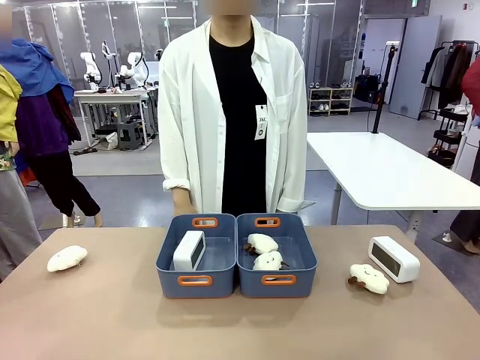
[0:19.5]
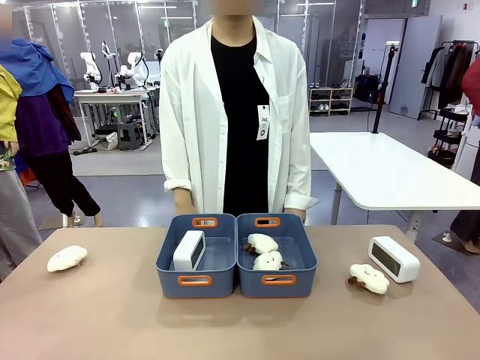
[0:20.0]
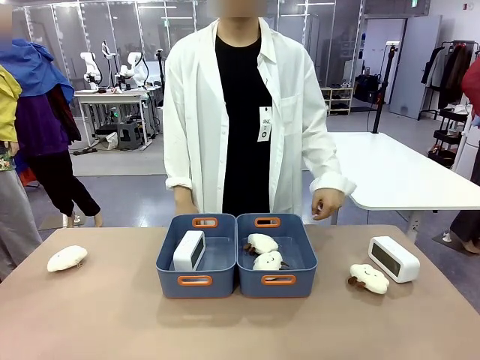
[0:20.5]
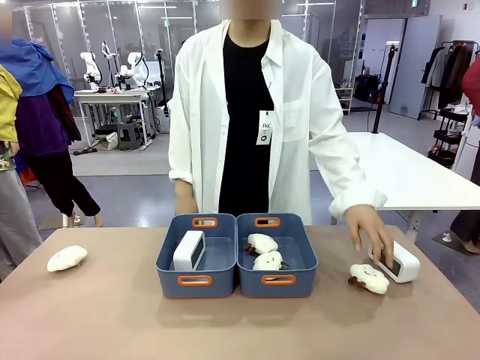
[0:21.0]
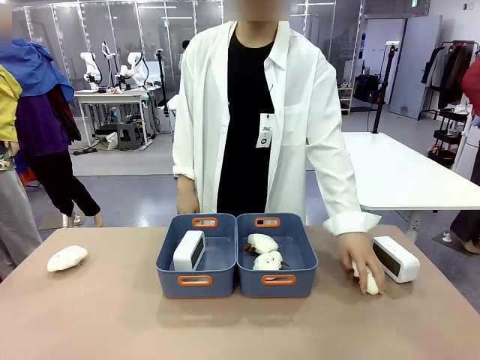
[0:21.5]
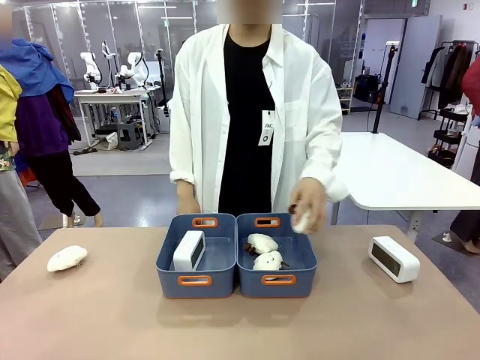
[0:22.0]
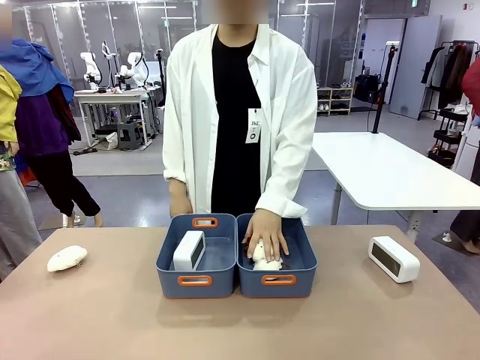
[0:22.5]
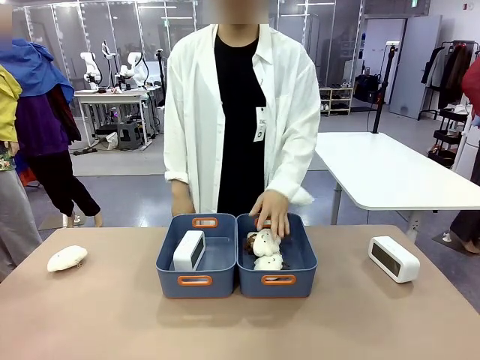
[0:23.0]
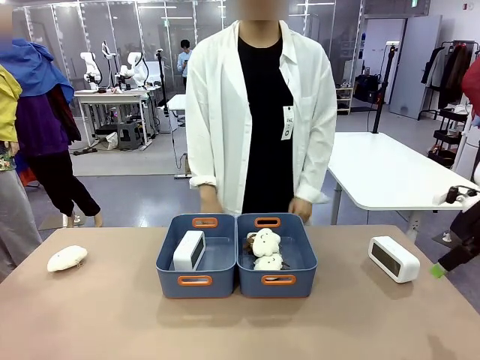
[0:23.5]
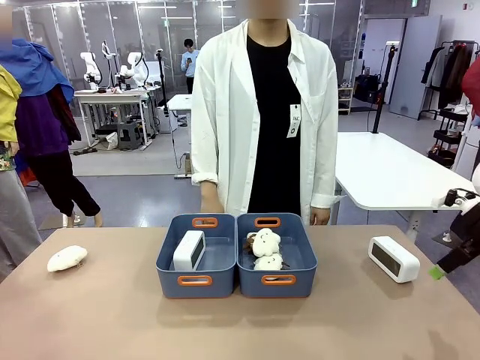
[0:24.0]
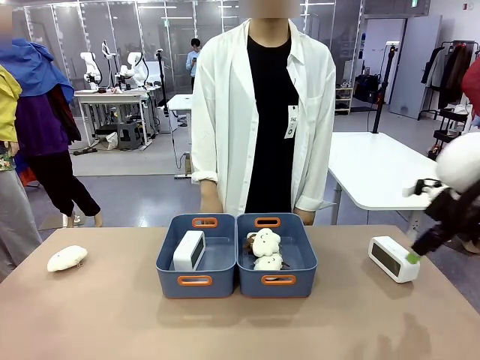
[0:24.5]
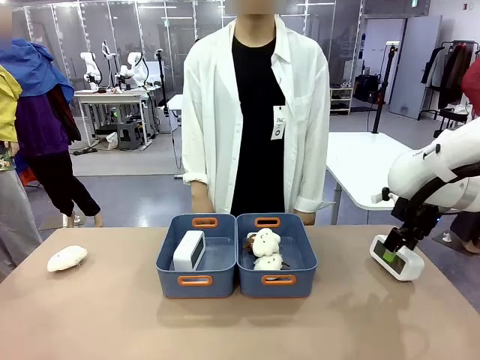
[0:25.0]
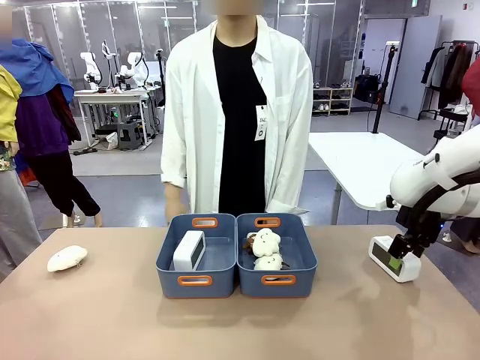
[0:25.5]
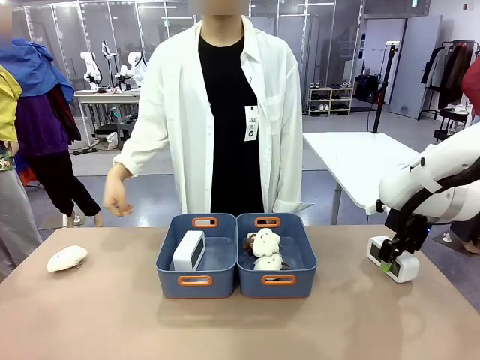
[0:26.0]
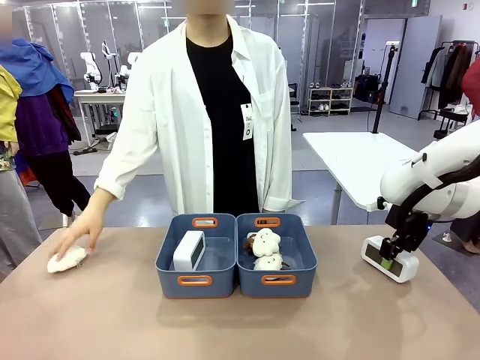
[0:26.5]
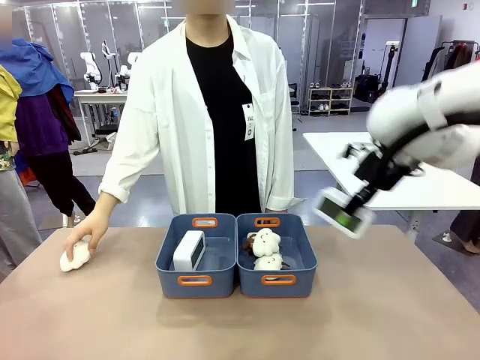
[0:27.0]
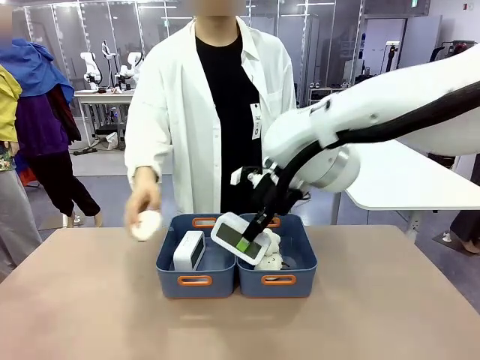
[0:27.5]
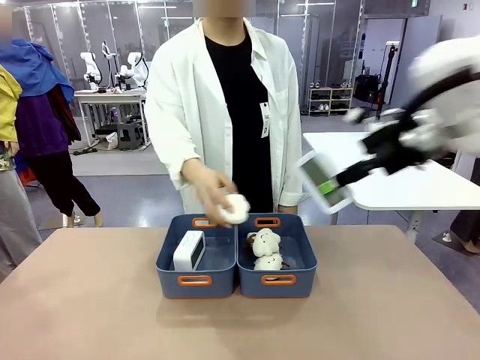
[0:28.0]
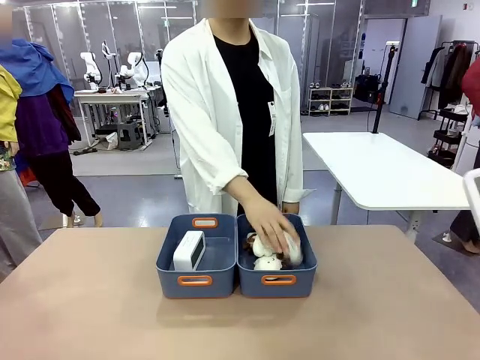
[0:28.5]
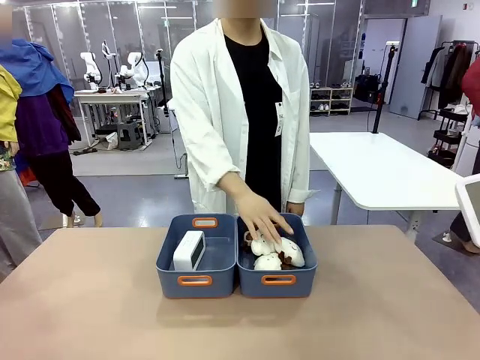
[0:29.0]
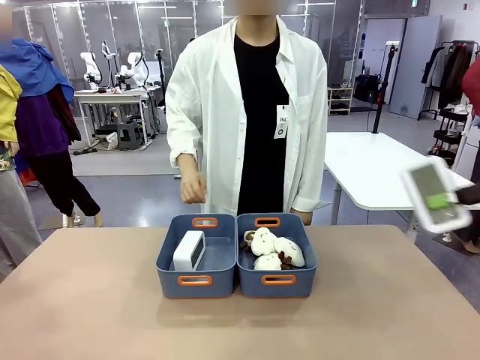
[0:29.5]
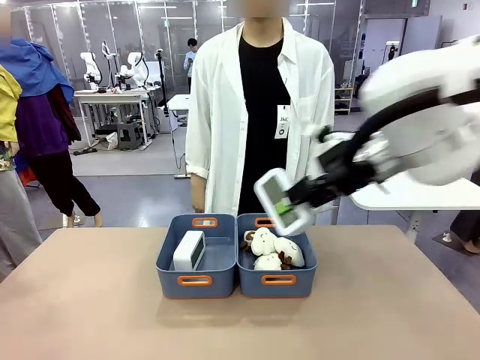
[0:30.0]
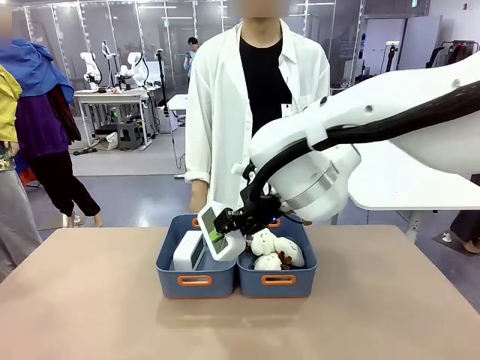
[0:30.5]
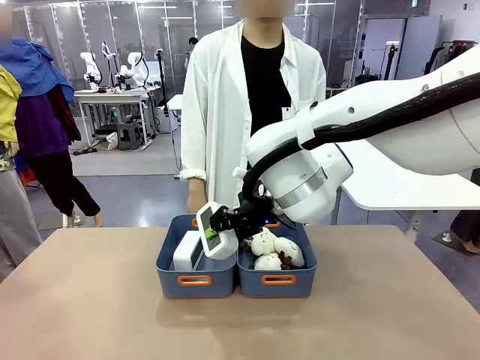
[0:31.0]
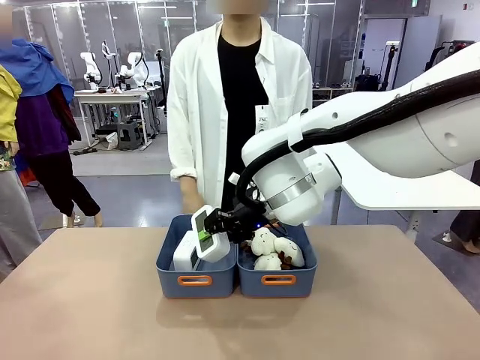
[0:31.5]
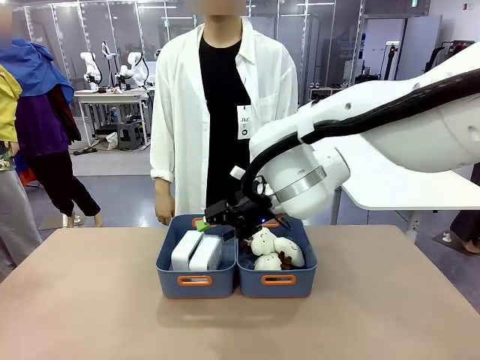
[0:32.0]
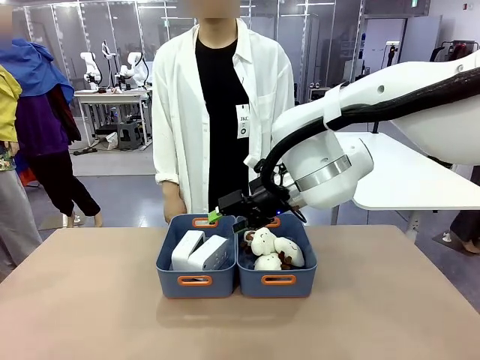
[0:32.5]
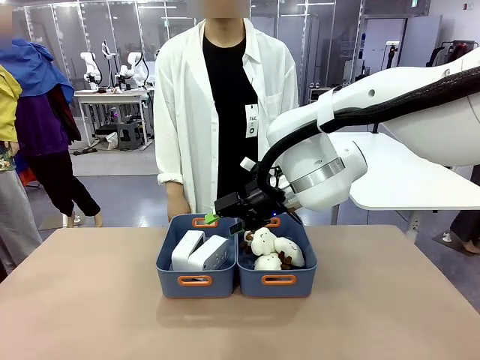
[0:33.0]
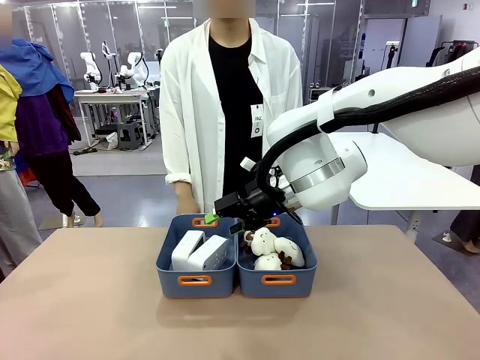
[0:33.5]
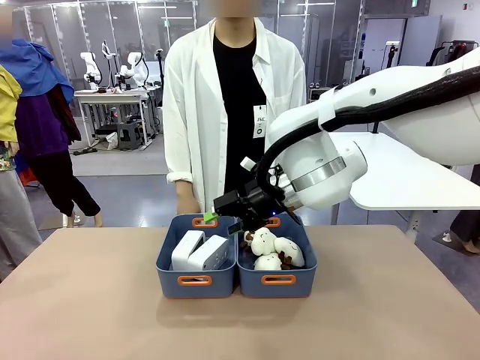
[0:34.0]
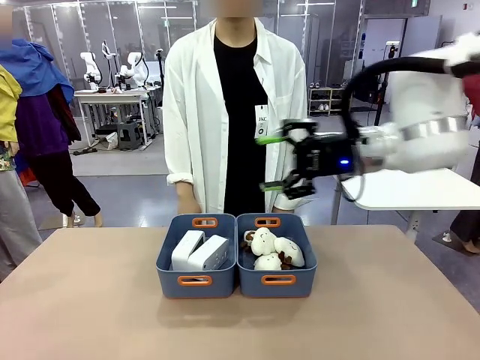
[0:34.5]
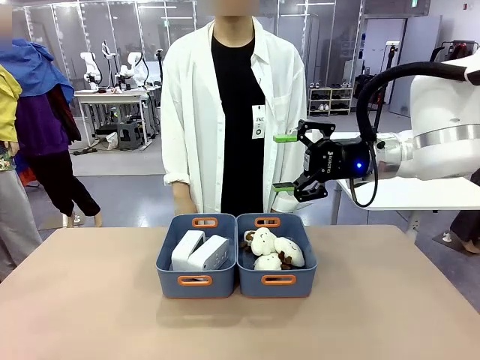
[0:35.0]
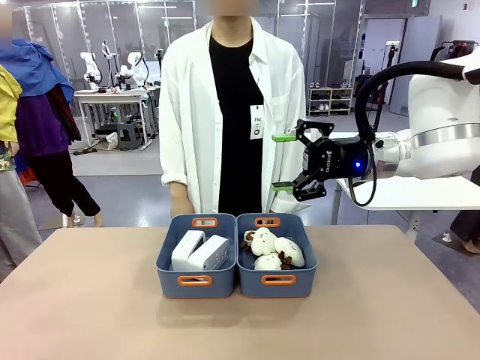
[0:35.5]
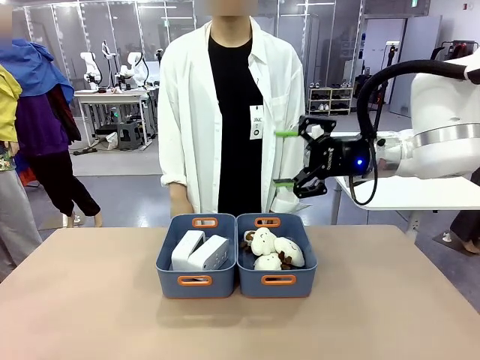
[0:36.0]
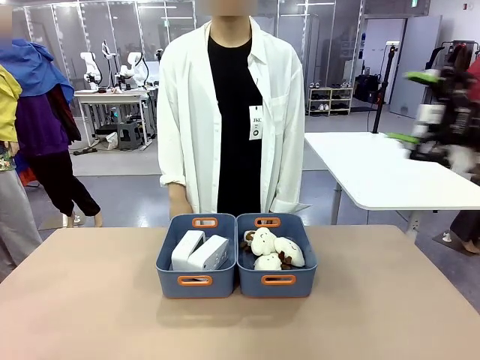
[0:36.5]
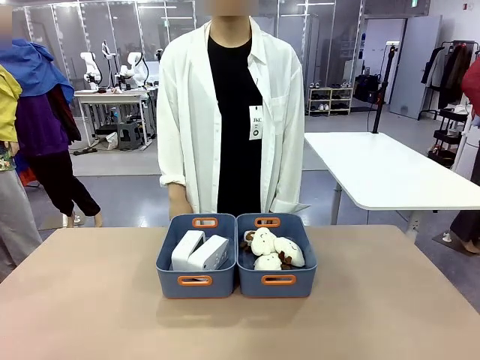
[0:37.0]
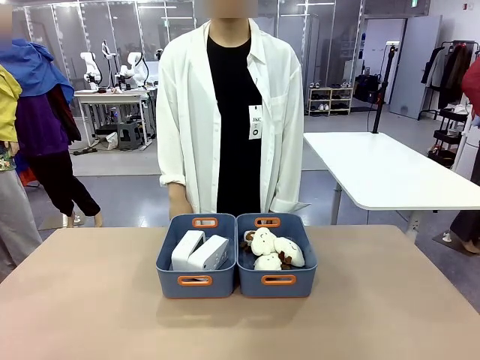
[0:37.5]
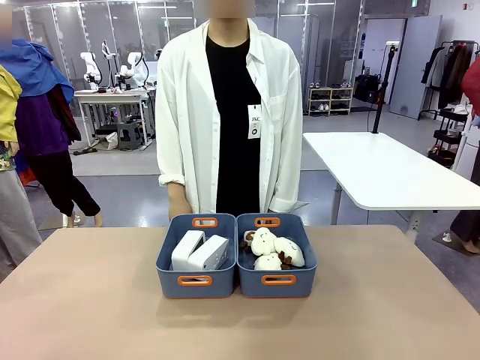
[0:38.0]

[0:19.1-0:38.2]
Task: Sort the digital clocks into the basket.
Robot: Pick up the Digital clock from the table and place it into the empty Plastic storage basket.
Person: Pick up a plush toy from the table and place it in the plastic storage basket containing the plush toy.

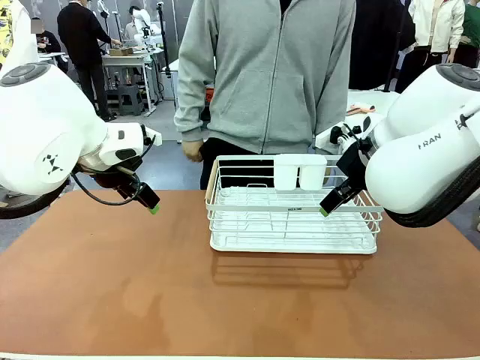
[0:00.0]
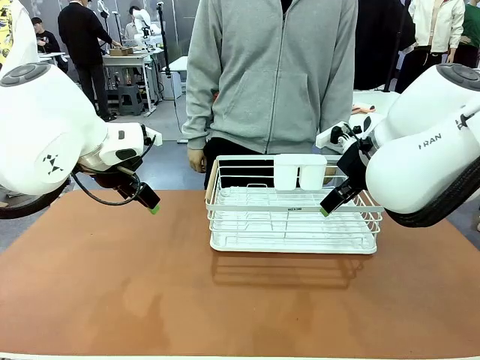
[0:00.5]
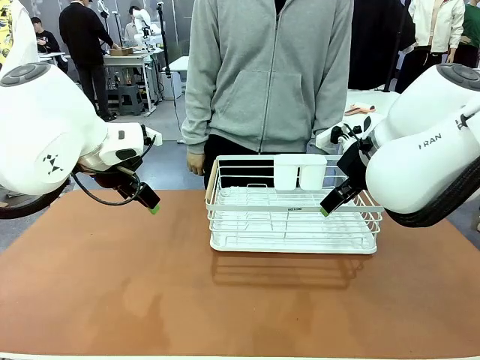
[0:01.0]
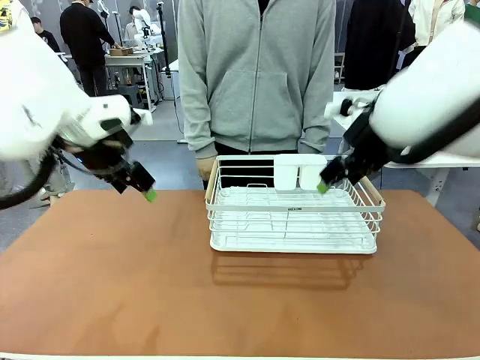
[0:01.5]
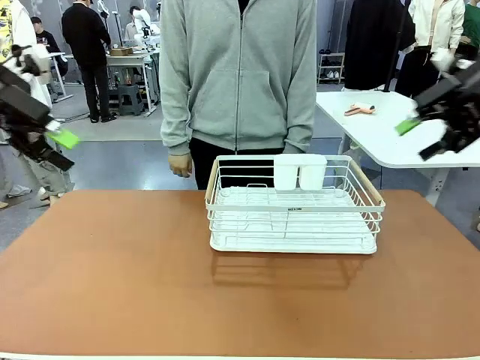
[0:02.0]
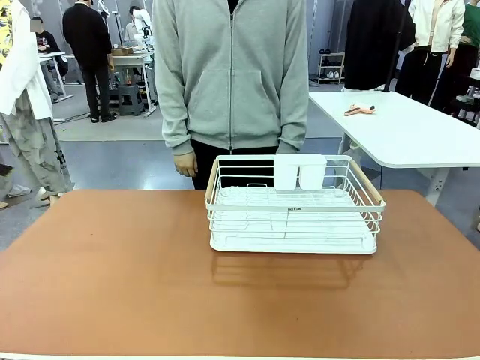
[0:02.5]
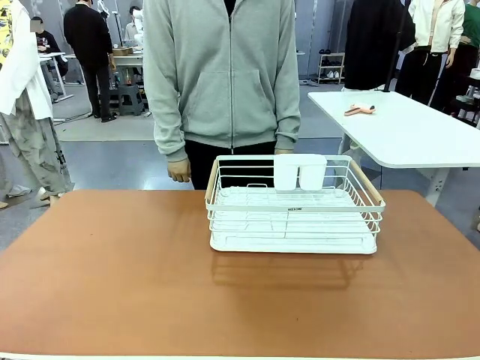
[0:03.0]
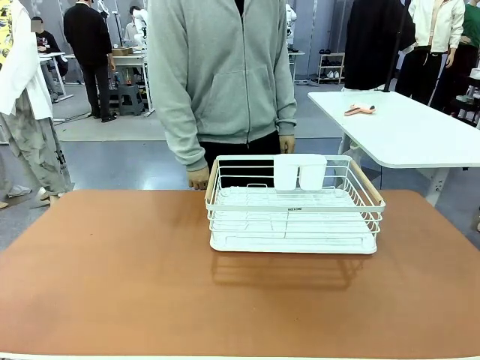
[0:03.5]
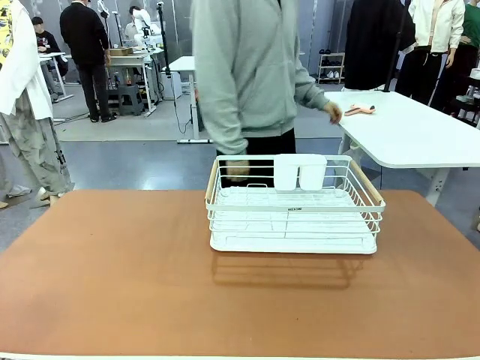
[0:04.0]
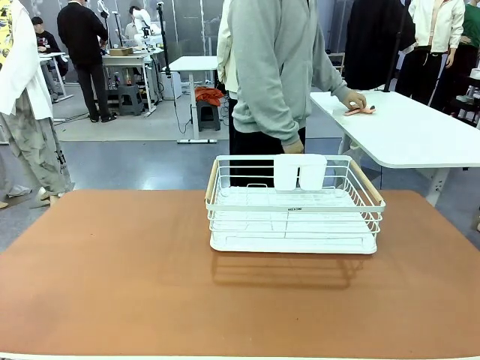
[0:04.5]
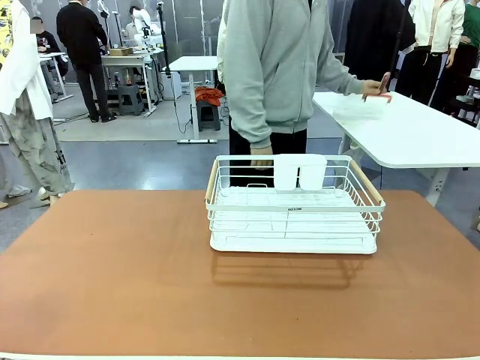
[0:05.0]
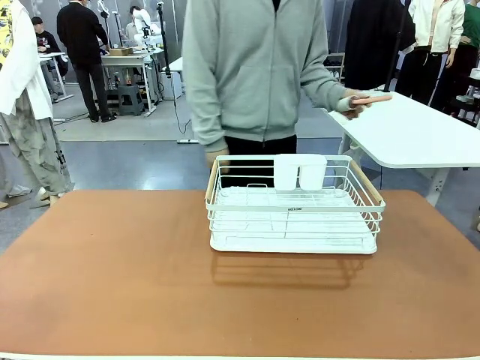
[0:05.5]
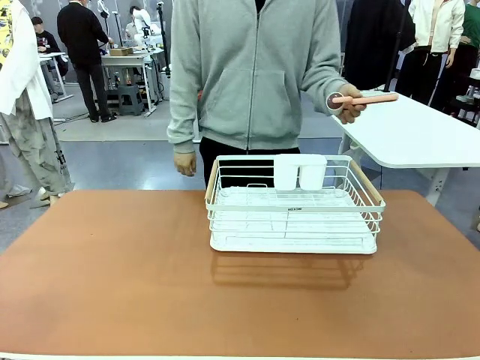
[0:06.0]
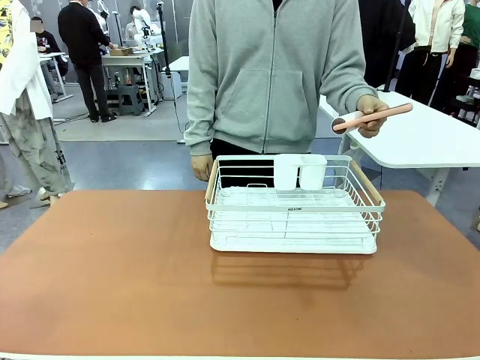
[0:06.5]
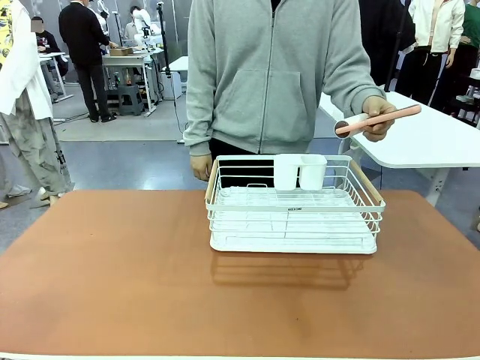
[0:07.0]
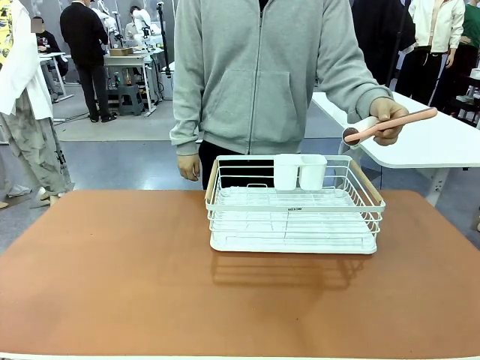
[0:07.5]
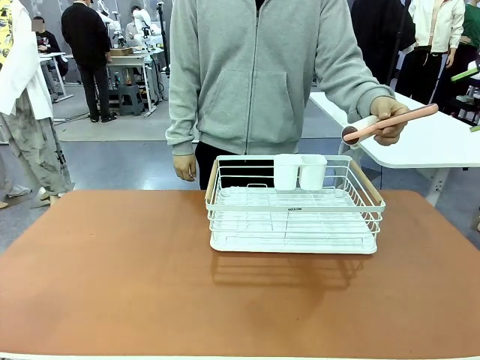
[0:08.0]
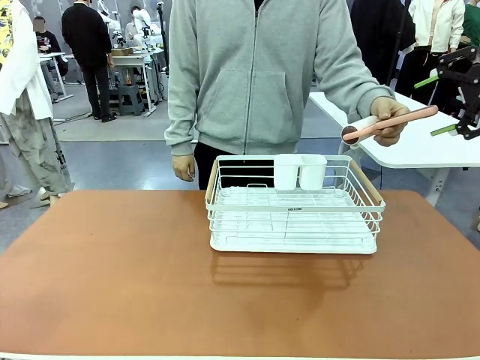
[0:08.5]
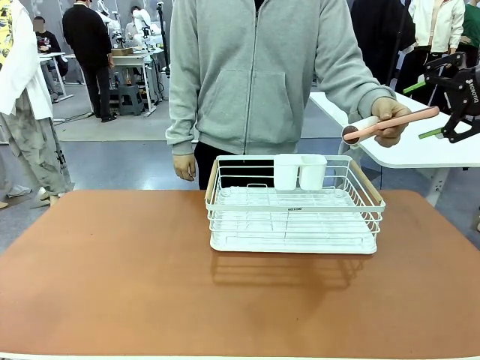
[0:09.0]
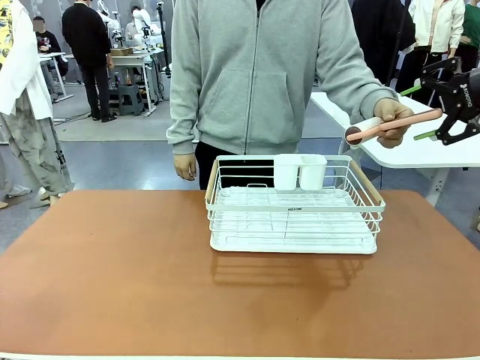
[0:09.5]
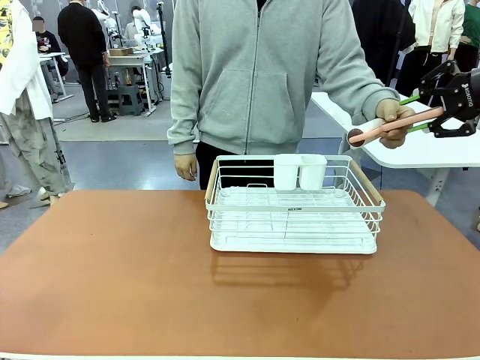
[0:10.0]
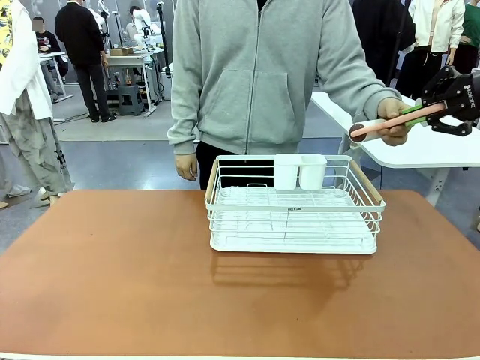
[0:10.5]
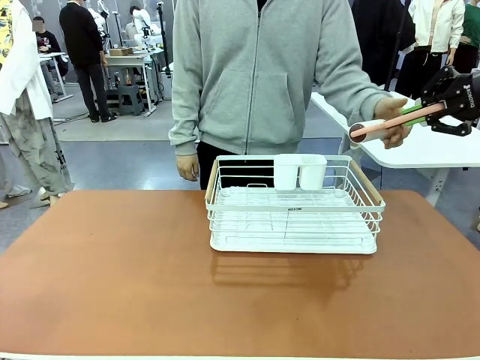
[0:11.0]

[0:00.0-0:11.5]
Task: Clean the table.
Robot: Pick up the Lint Roller when the human hands it over.
Person: Hand the Lint Roller to the robot so it can easily pick it up. Lift the Dish drying rack.
